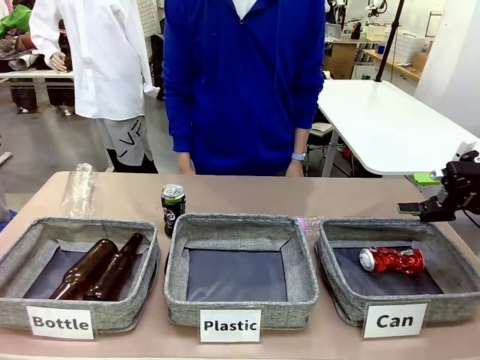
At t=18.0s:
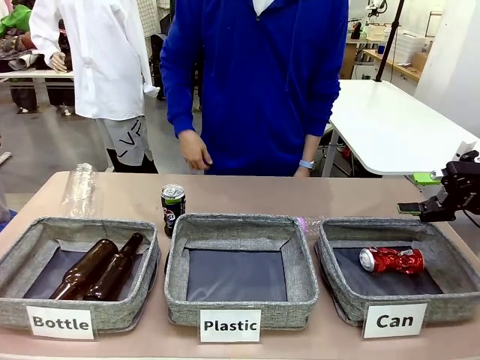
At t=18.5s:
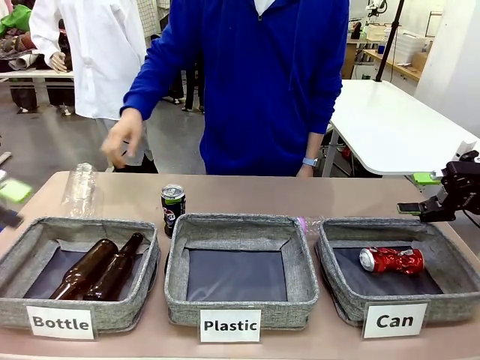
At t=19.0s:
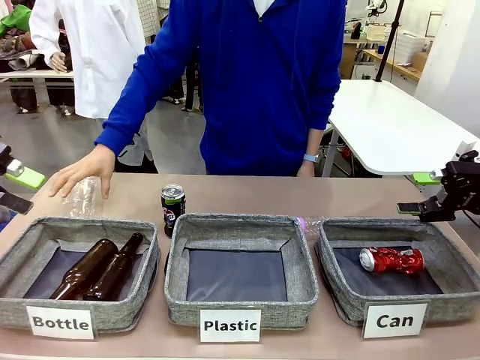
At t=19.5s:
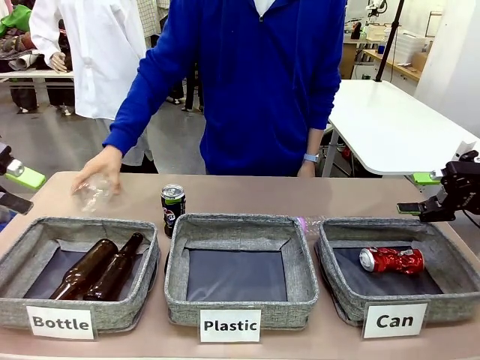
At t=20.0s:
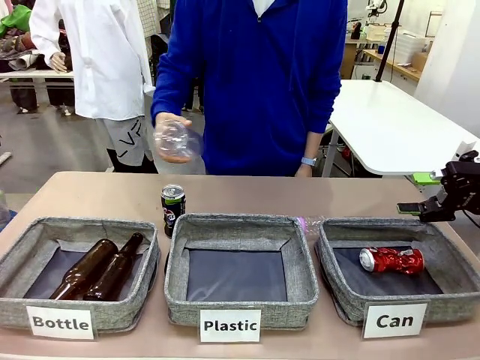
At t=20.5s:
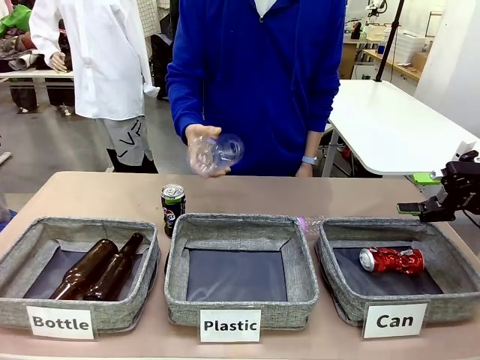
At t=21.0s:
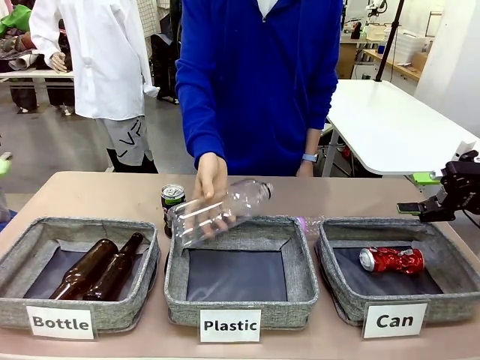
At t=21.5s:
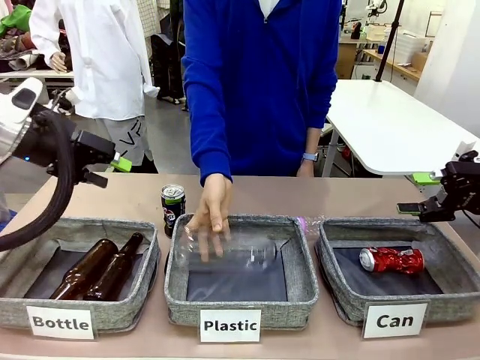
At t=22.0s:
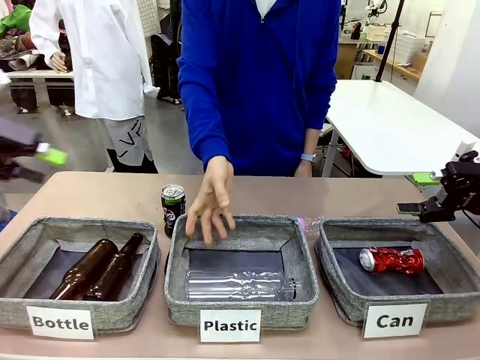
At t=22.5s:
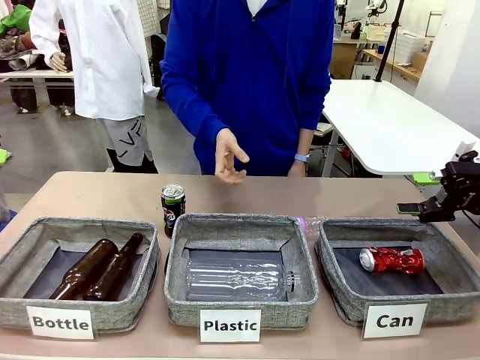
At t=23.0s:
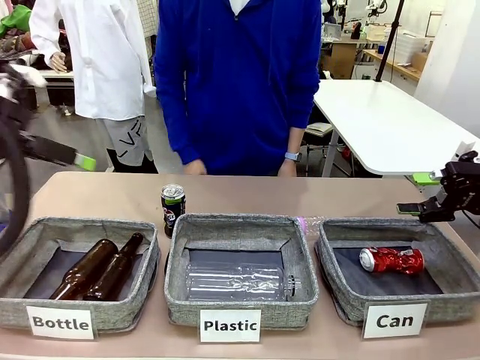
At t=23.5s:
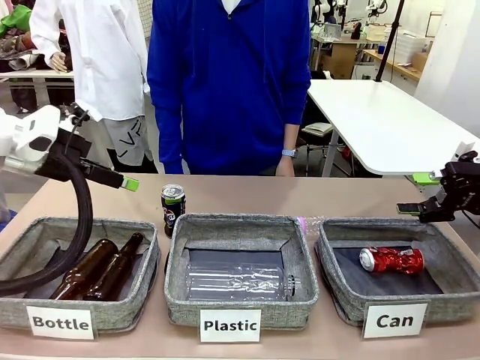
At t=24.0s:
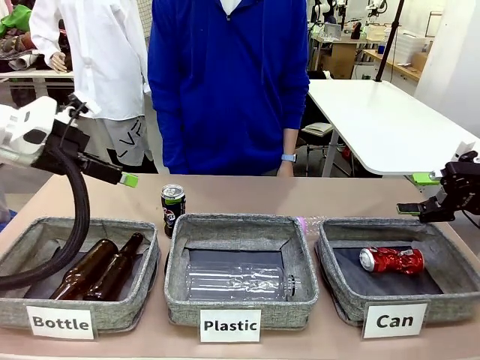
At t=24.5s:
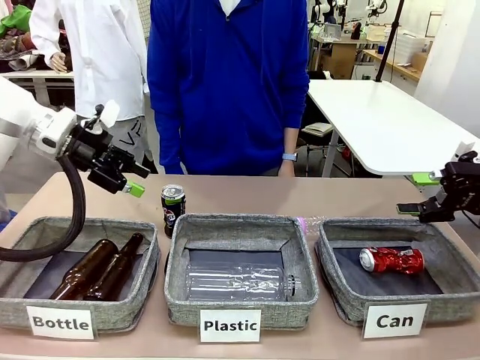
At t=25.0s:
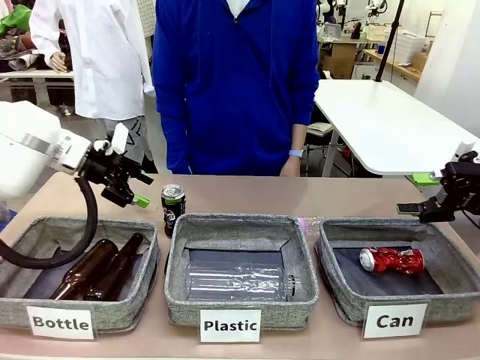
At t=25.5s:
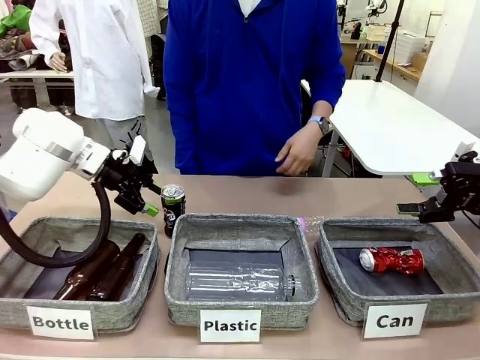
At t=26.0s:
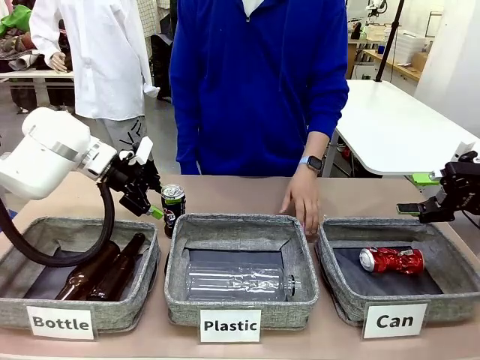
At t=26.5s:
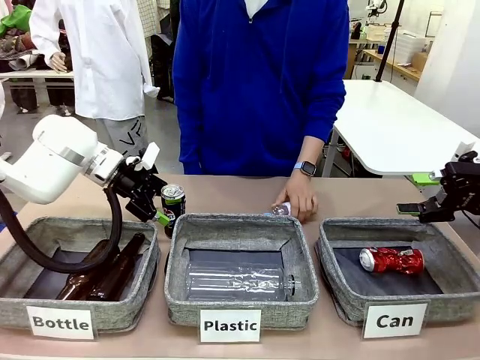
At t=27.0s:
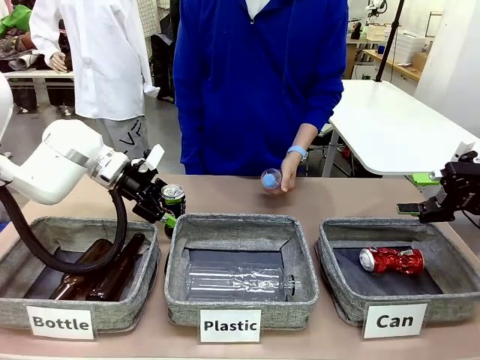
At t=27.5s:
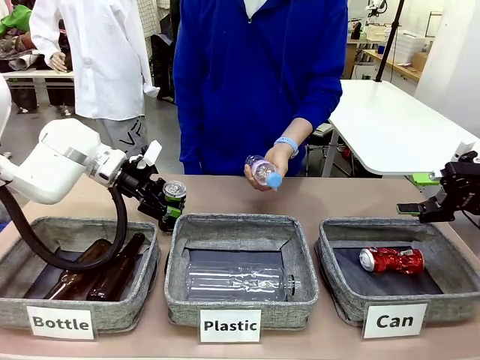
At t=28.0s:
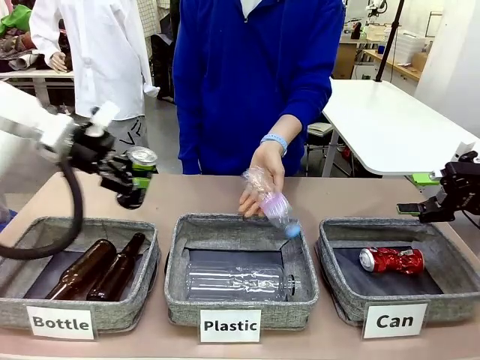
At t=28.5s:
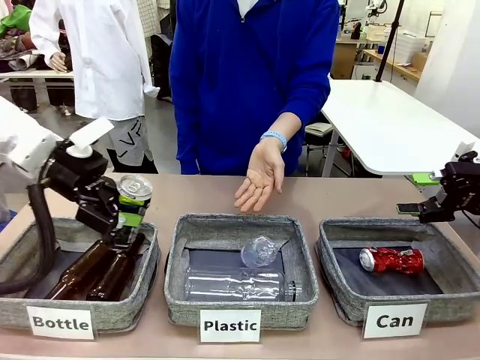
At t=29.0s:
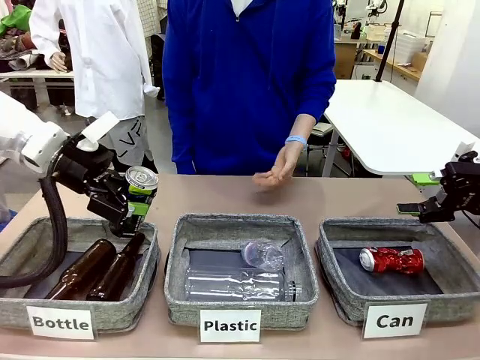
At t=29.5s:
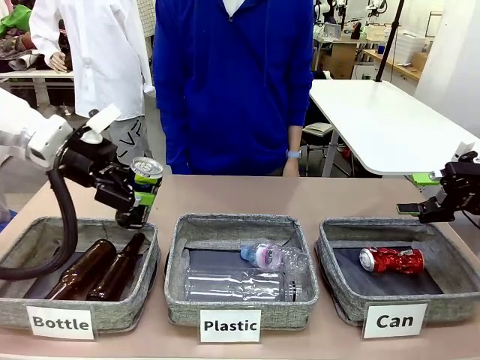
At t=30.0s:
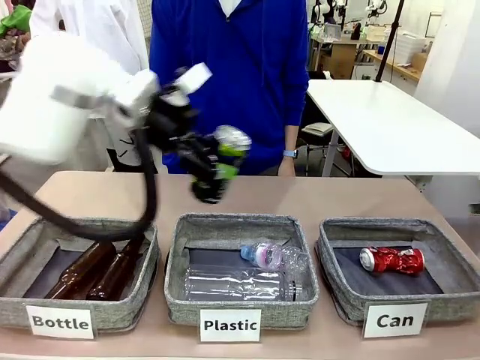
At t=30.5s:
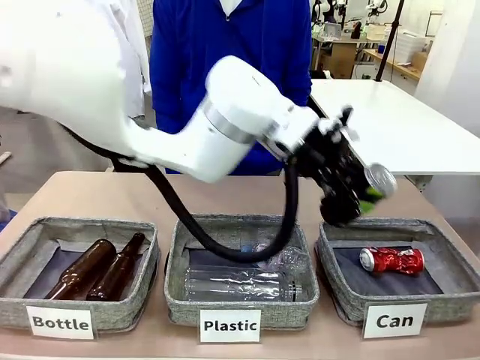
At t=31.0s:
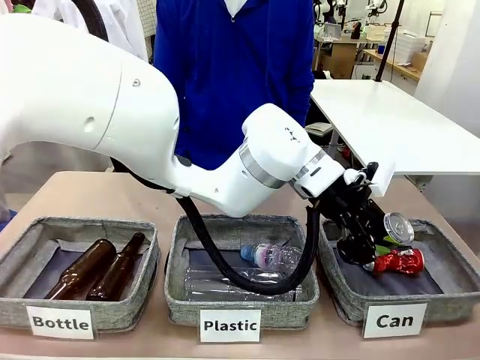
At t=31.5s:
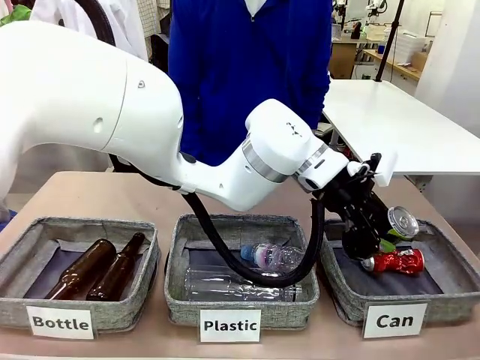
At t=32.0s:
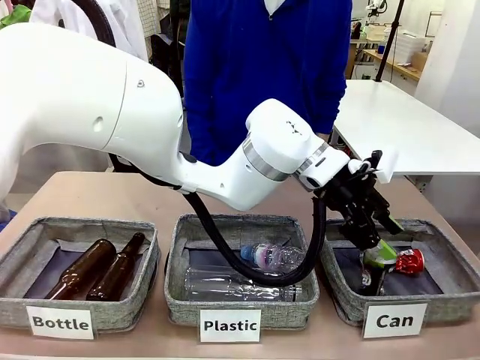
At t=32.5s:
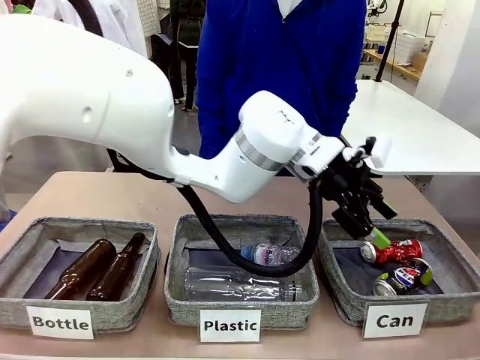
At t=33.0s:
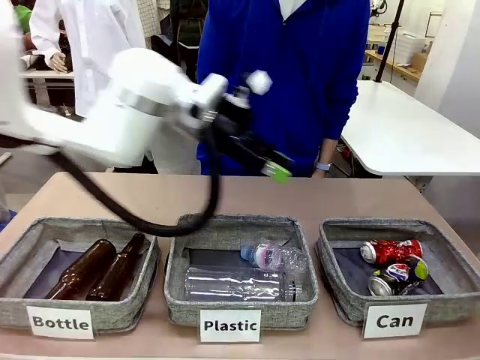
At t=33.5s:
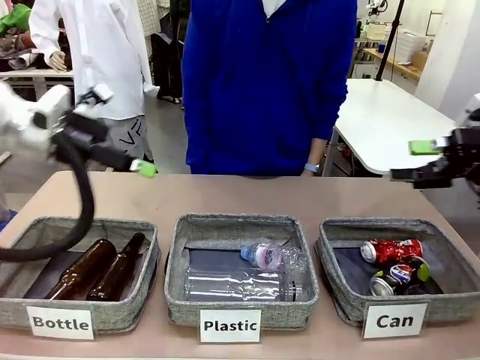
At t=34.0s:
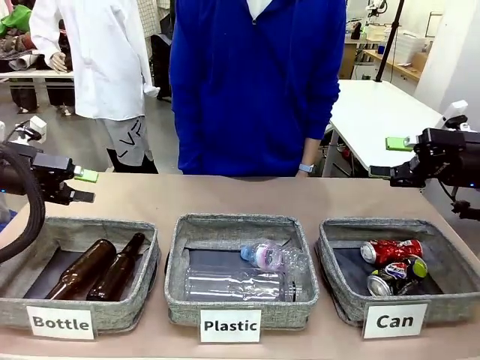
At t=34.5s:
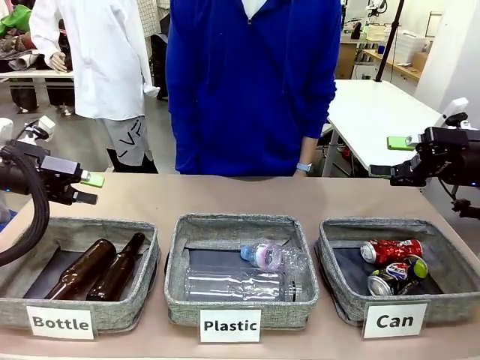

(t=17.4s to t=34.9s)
Task: Sort the can waste into the basket.
Robot: Pick up the can waste from the table and place it in the right Fabric basket.
Person: The human picks up one piece of trash that is not a can and places the trash into the appropriate organizing basket.
